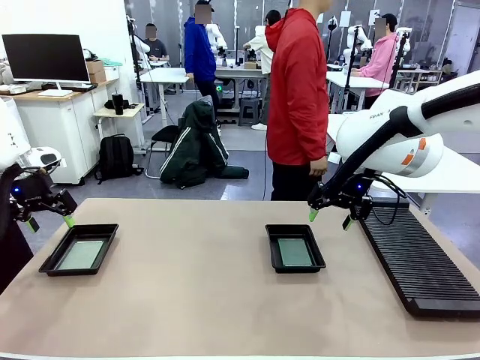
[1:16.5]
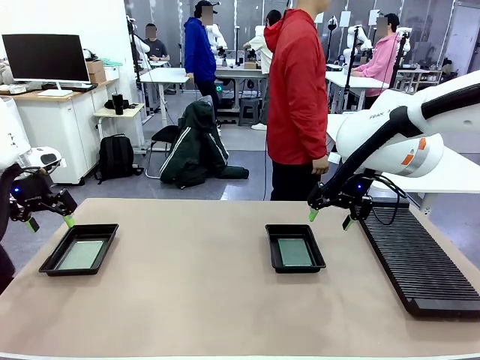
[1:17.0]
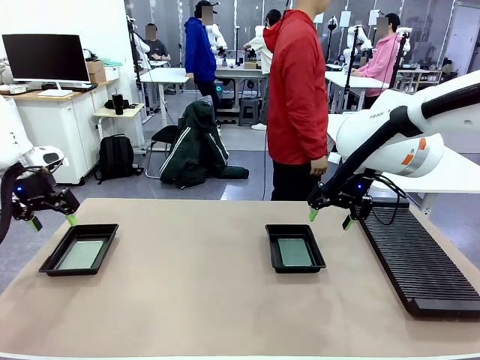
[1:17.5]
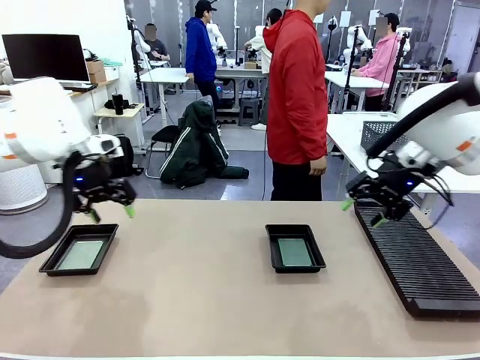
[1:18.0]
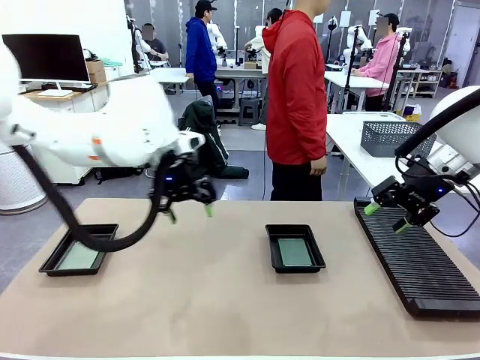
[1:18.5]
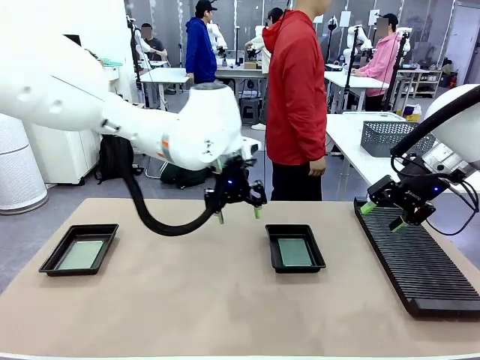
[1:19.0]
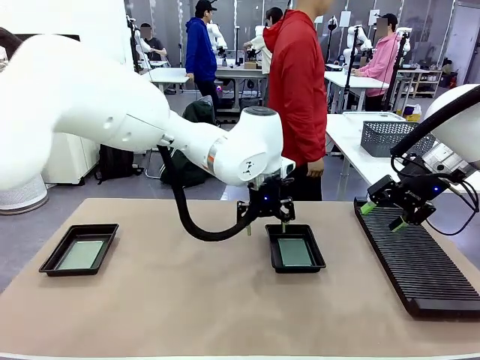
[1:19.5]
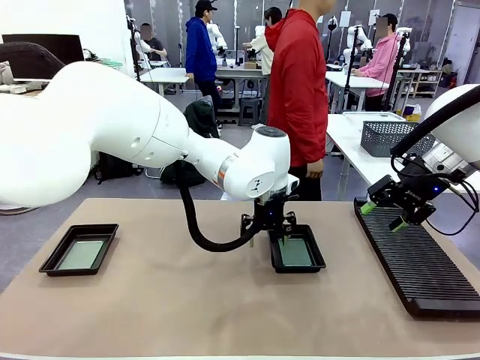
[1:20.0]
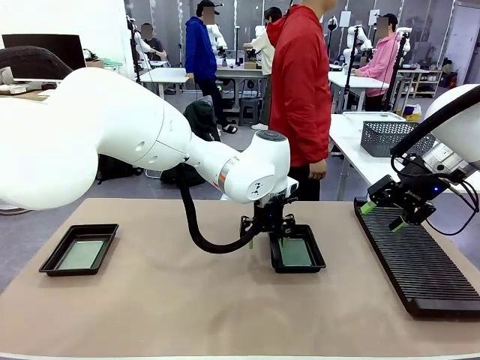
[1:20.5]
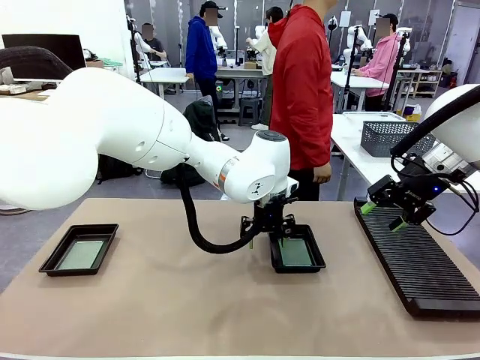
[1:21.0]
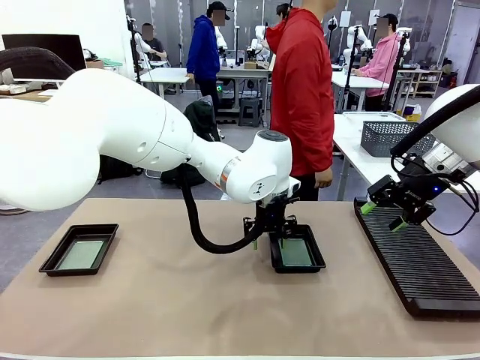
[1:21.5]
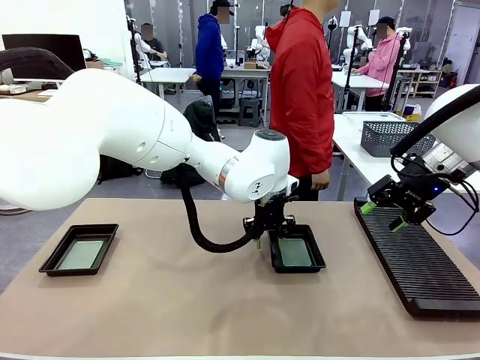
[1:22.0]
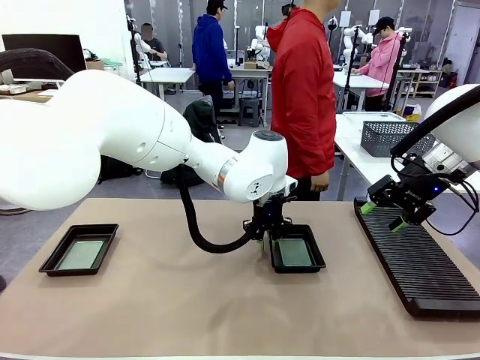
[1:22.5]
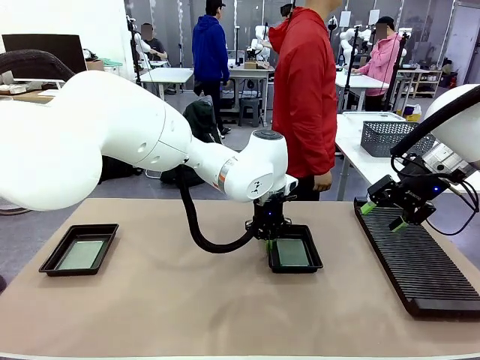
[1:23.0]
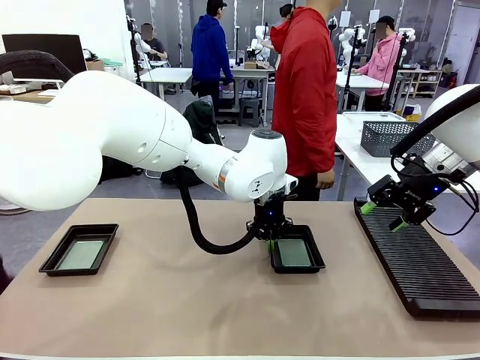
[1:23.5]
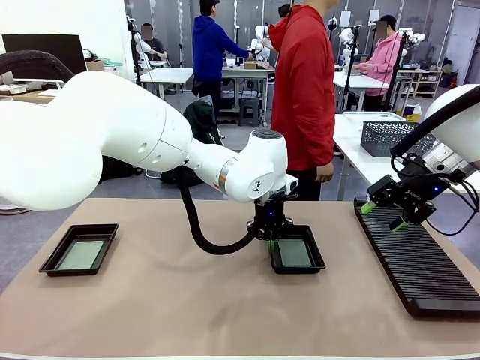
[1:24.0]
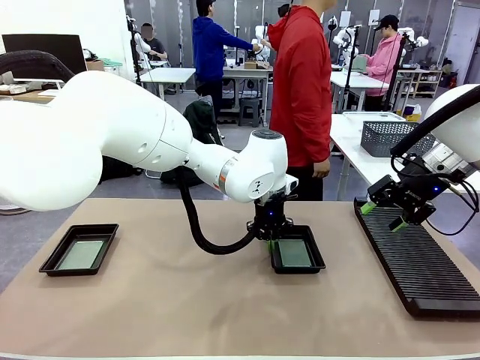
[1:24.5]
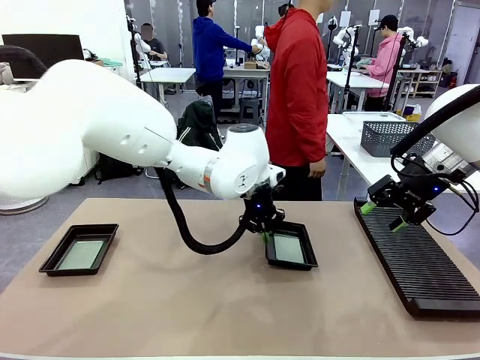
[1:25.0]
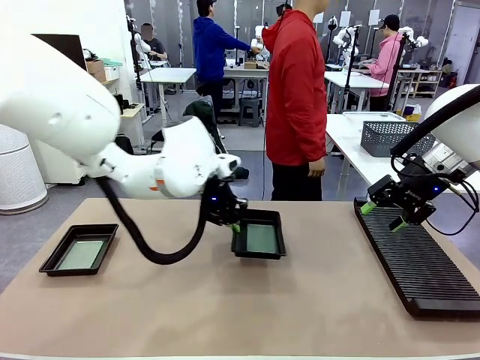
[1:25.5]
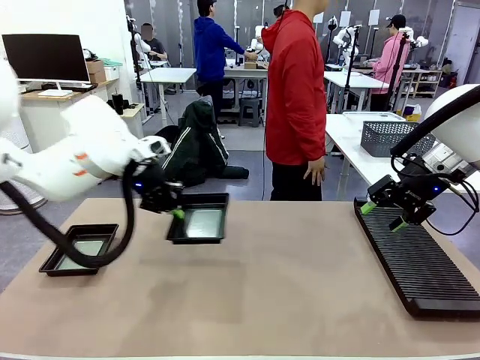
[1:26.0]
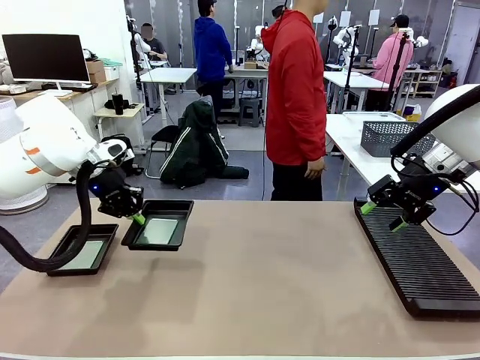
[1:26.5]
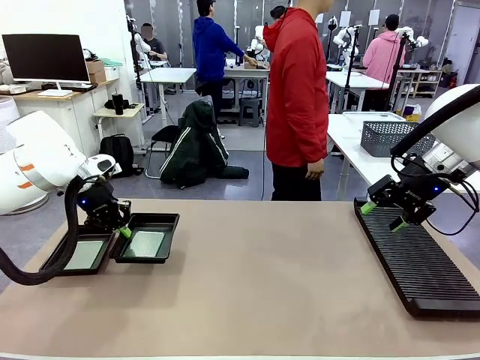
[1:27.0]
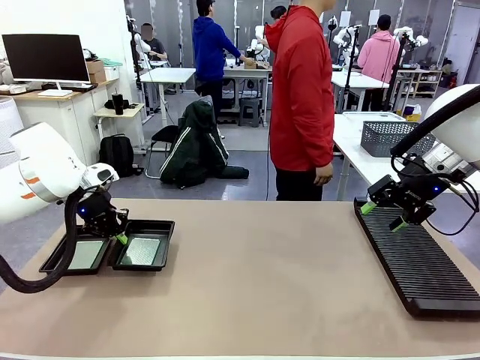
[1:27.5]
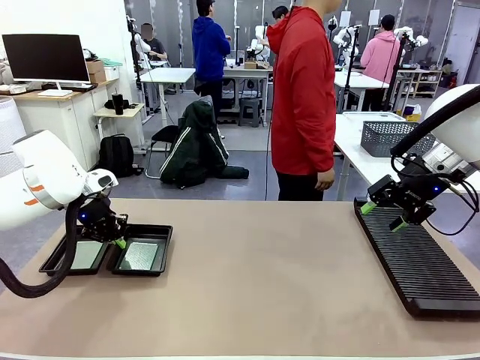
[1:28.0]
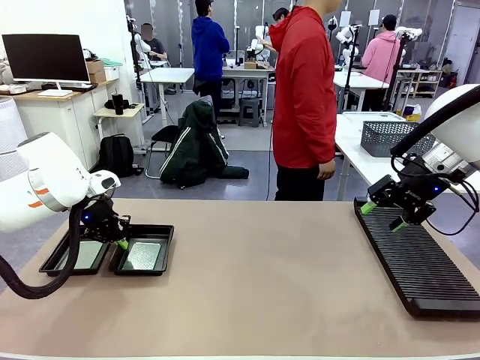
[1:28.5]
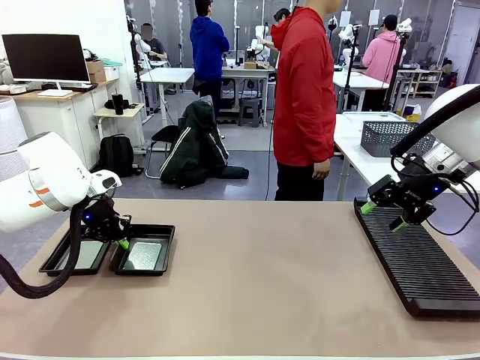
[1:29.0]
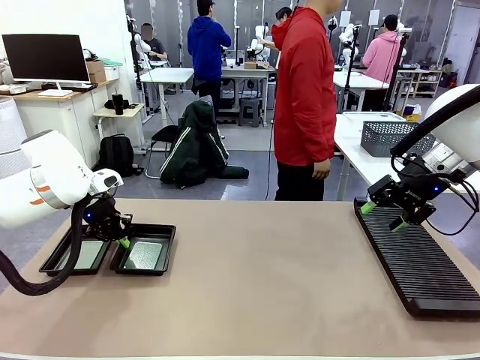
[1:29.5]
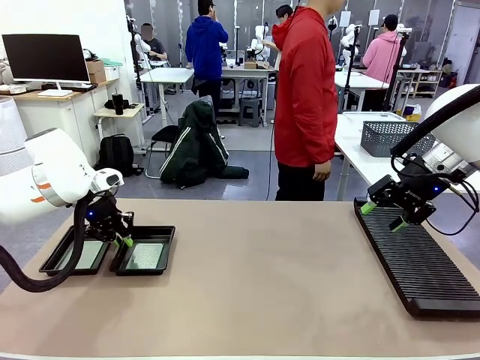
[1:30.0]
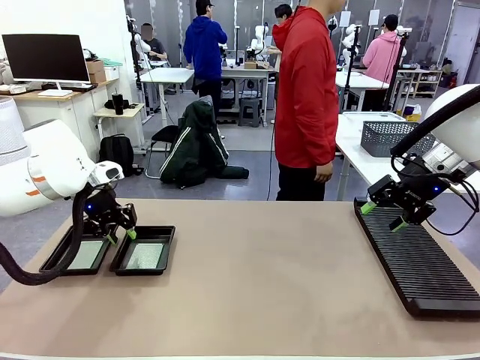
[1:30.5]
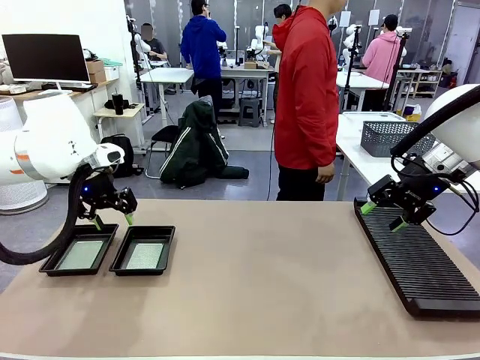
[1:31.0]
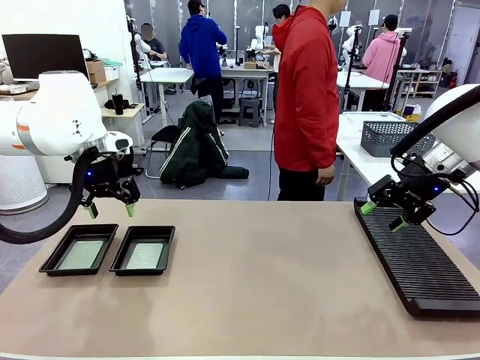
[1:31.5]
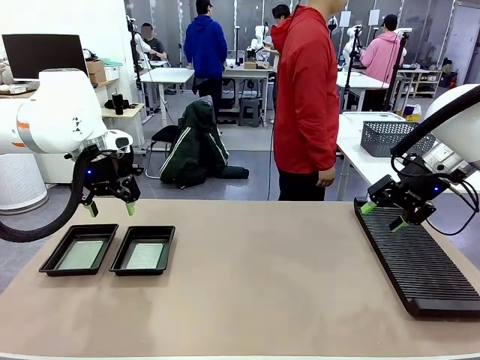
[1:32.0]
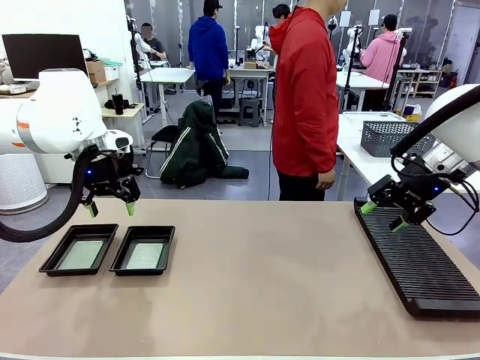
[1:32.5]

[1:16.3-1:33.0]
Task: Inspect and transfer BCBs to ESD trays.
Robot: Pick up the ESD tray and place it on the left side of the table.

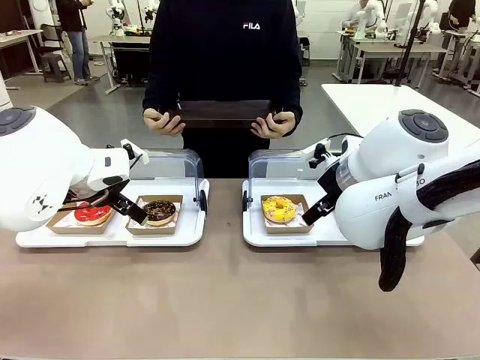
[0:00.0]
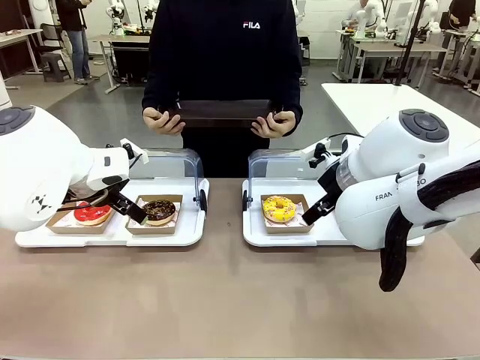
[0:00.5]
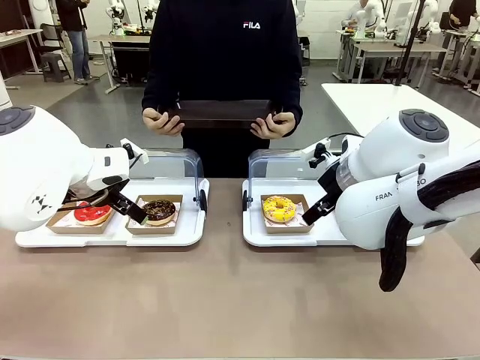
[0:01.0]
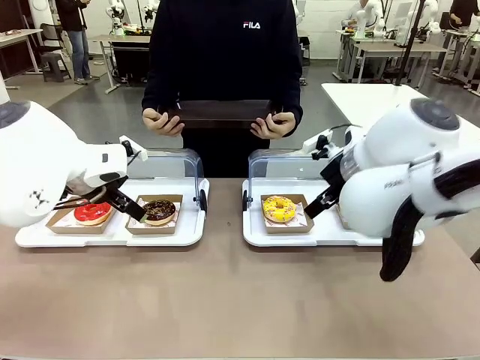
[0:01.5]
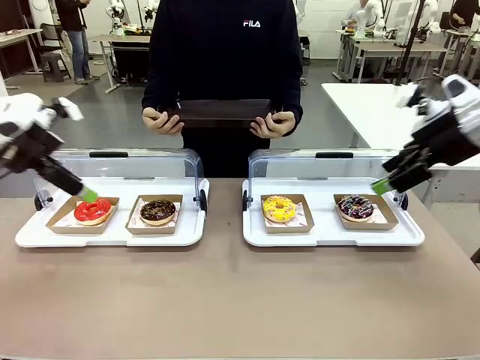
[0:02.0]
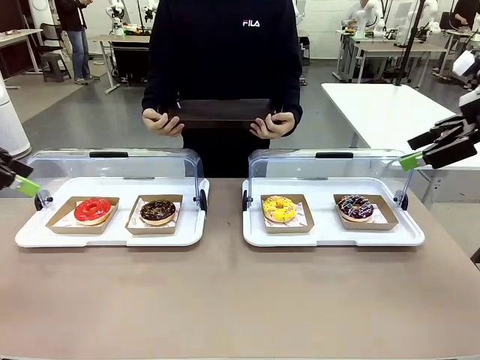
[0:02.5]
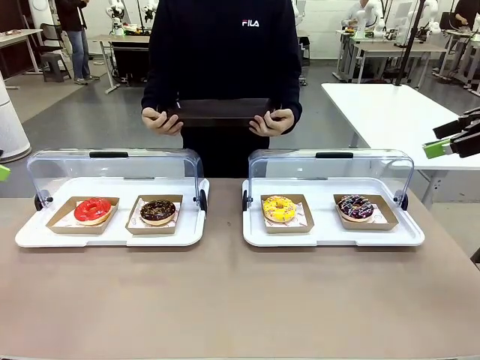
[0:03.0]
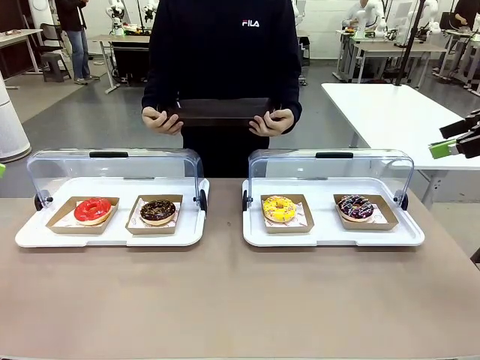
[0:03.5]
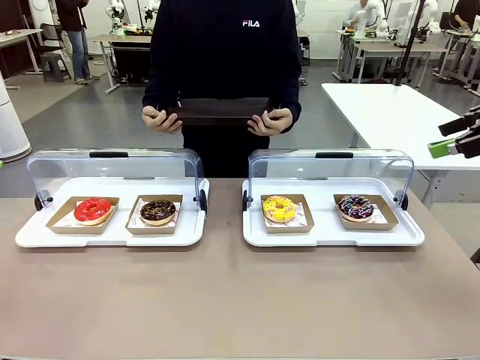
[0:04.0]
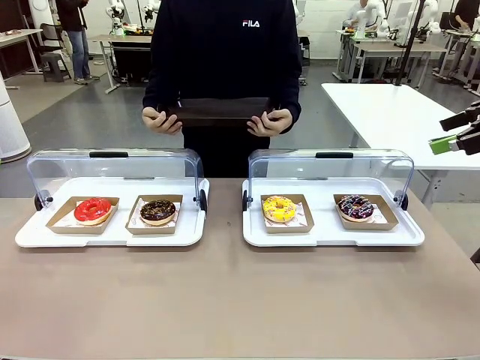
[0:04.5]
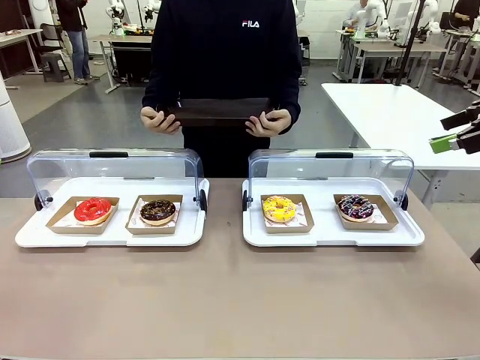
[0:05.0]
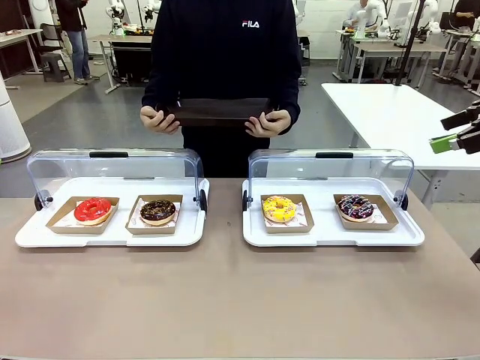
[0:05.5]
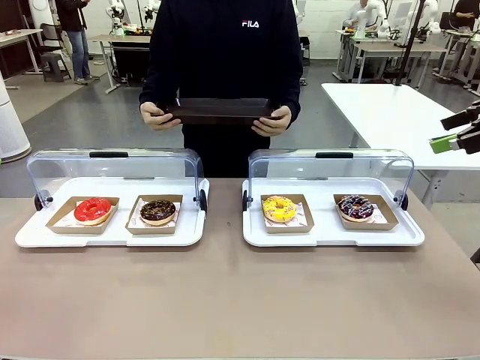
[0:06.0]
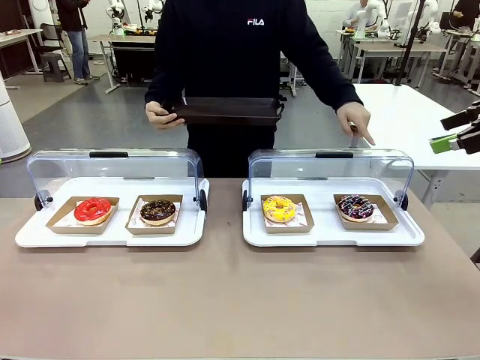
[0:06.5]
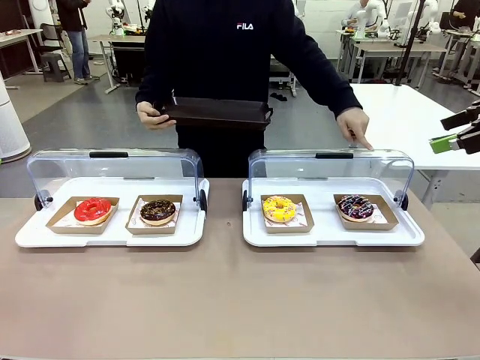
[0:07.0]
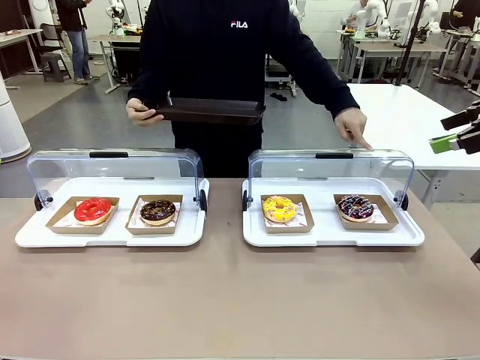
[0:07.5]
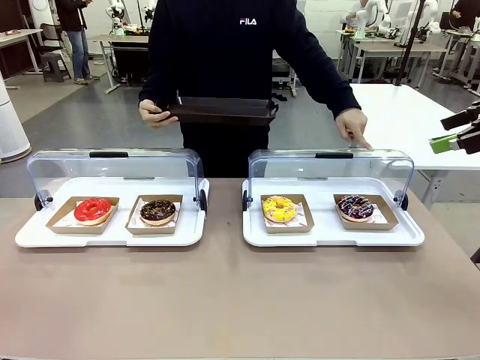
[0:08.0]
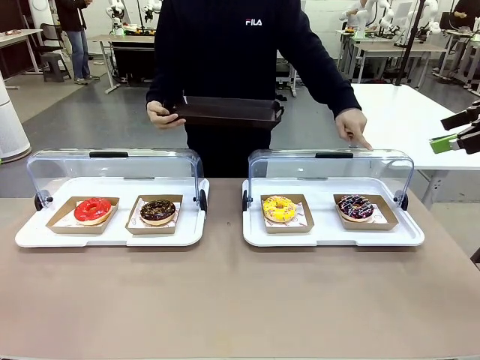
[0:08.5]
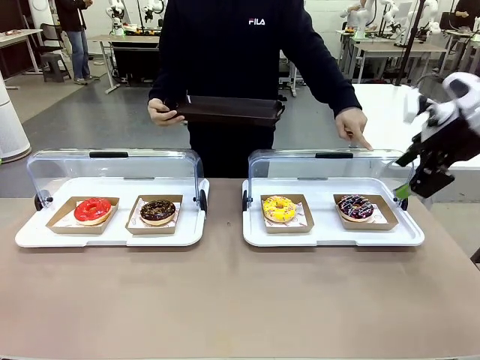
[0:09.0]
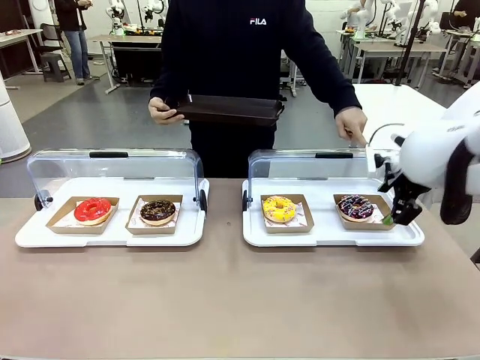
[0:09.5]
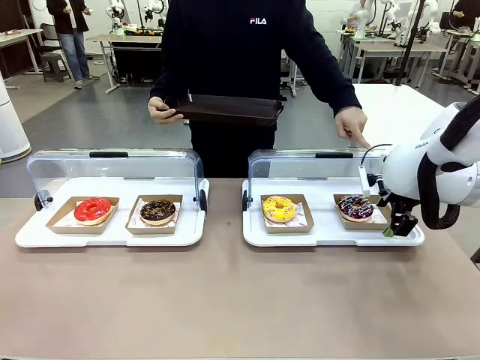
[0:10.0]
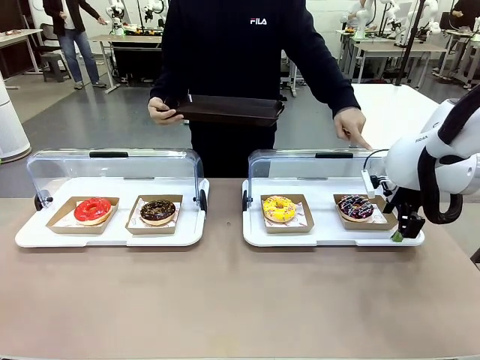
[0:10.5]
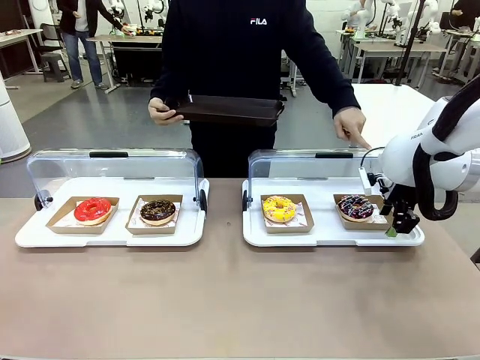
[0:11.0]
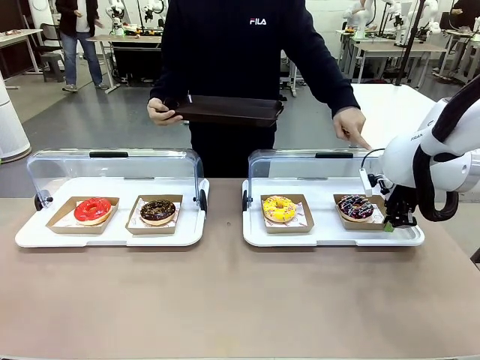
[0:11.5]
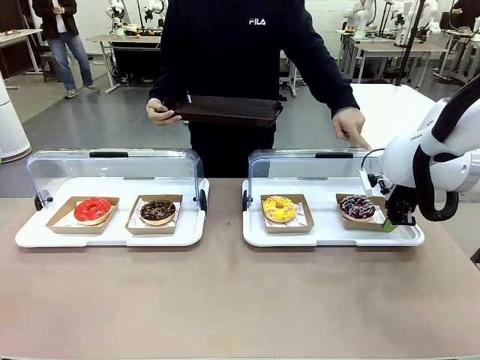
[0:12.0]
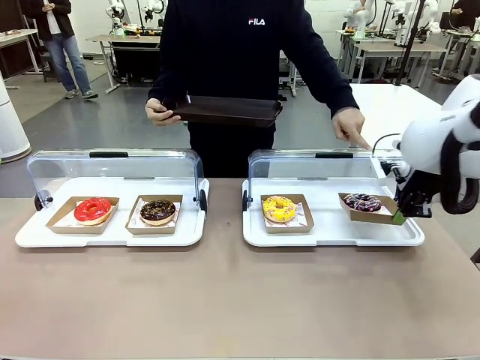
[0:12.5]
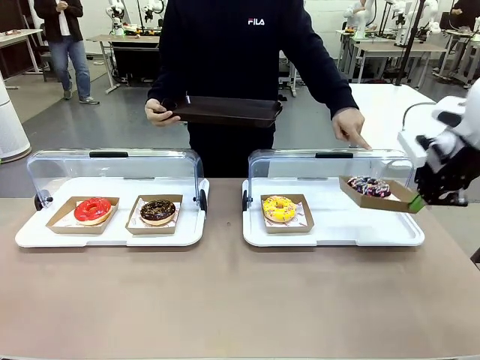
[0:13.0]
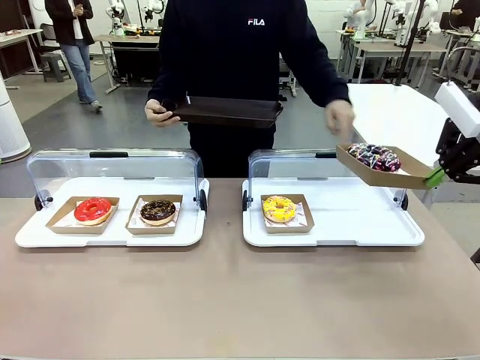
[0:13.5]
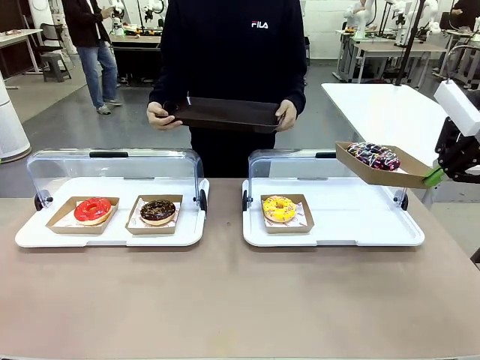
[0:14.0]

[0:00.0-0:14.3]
Task: Provide the desired donut to the person.
Robot: Pick up and lift the Paper togo box containing the Donut pointed at by the person.
Person: Point to one donut. Lift the tray onto the Roll-Top Bakery Case.
